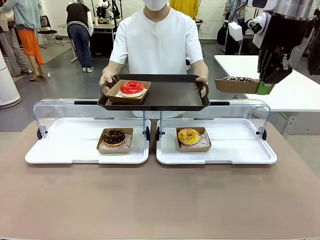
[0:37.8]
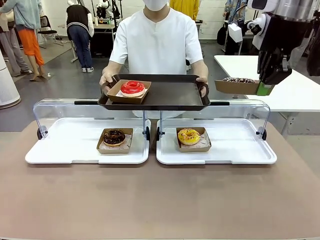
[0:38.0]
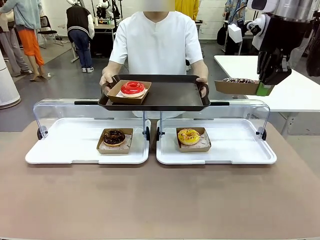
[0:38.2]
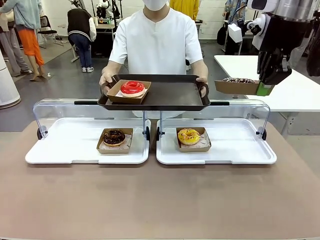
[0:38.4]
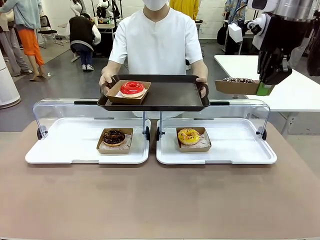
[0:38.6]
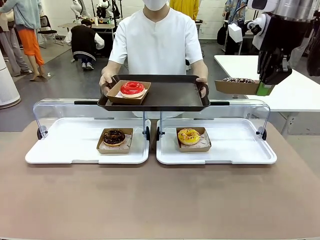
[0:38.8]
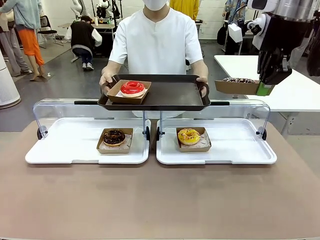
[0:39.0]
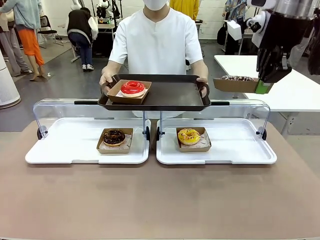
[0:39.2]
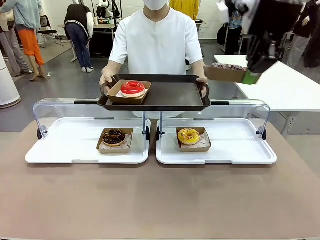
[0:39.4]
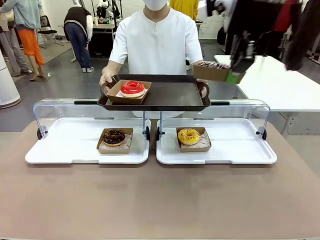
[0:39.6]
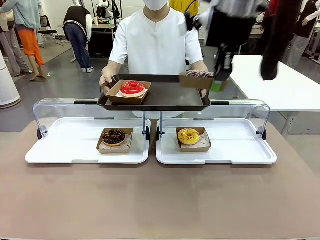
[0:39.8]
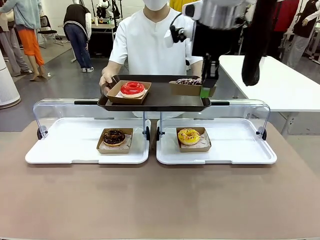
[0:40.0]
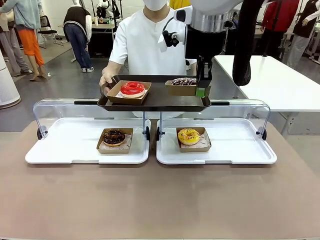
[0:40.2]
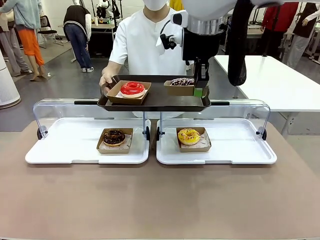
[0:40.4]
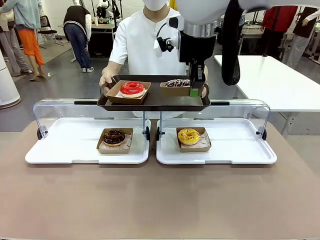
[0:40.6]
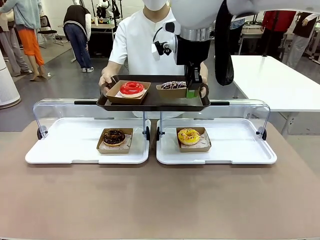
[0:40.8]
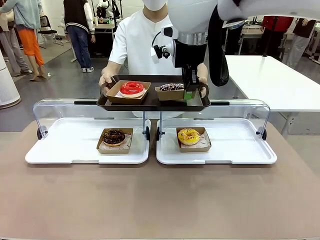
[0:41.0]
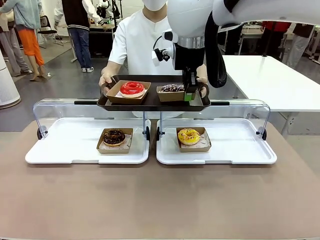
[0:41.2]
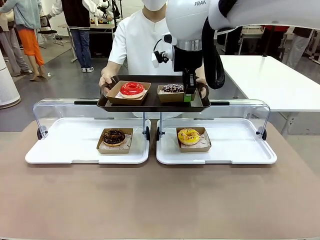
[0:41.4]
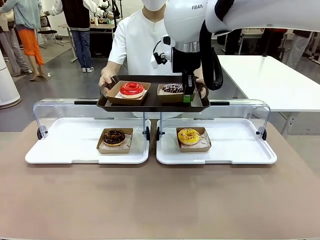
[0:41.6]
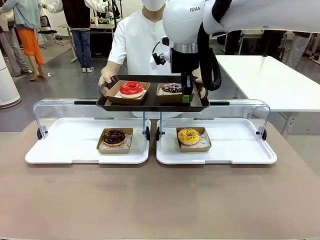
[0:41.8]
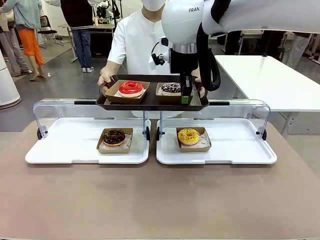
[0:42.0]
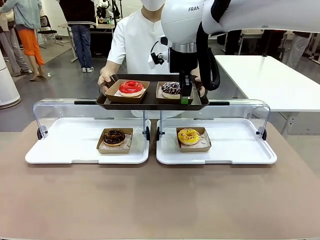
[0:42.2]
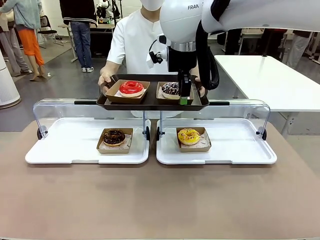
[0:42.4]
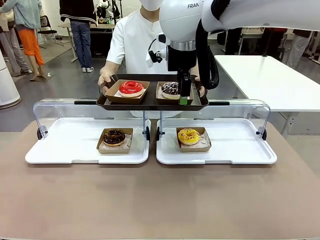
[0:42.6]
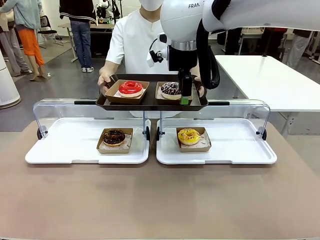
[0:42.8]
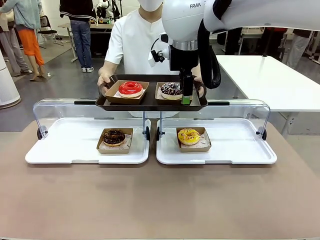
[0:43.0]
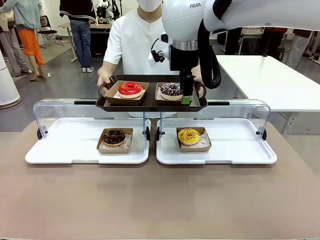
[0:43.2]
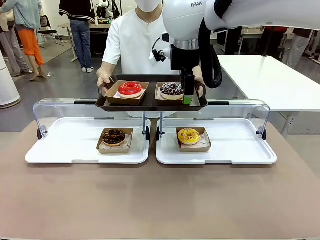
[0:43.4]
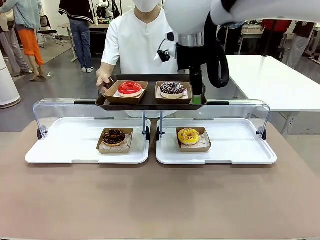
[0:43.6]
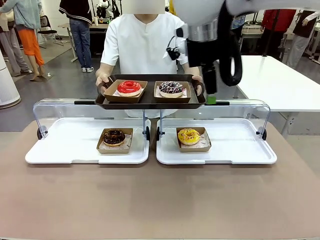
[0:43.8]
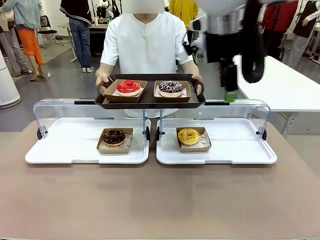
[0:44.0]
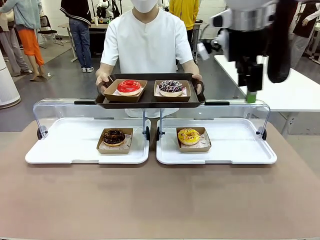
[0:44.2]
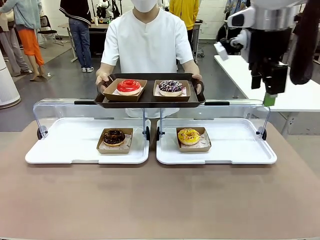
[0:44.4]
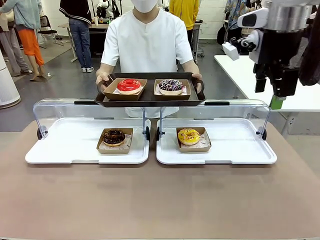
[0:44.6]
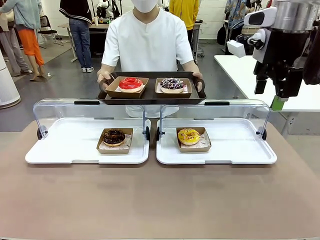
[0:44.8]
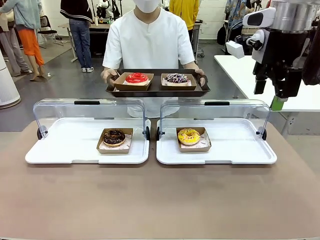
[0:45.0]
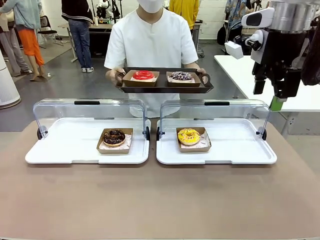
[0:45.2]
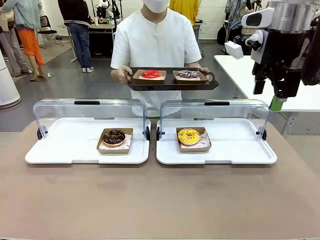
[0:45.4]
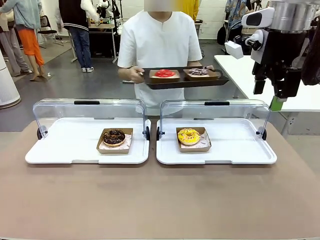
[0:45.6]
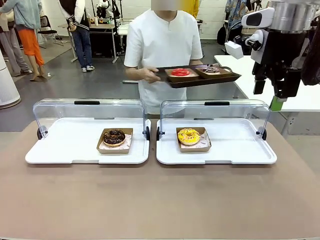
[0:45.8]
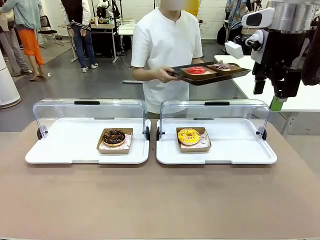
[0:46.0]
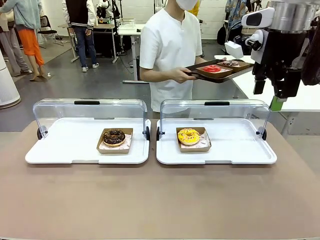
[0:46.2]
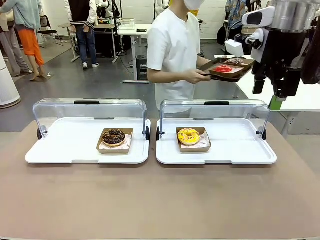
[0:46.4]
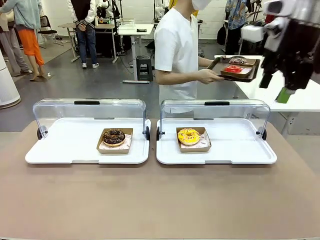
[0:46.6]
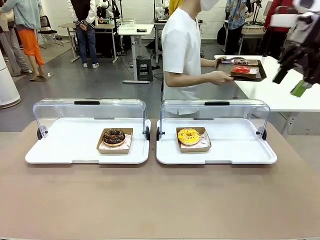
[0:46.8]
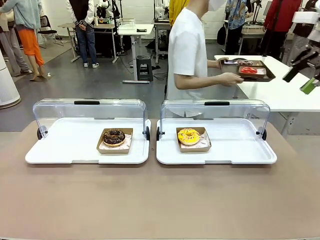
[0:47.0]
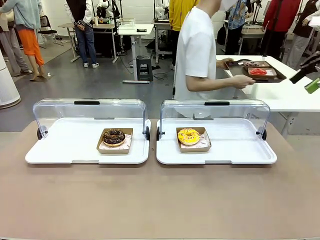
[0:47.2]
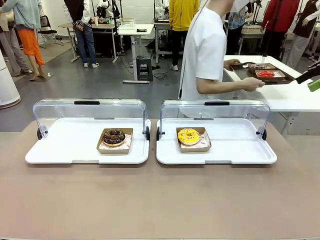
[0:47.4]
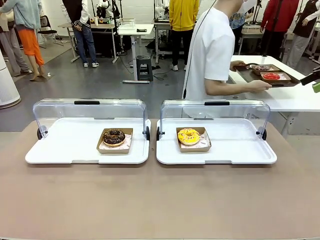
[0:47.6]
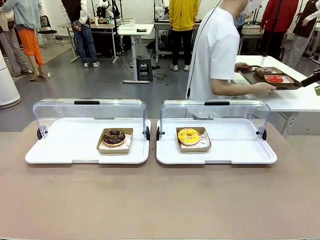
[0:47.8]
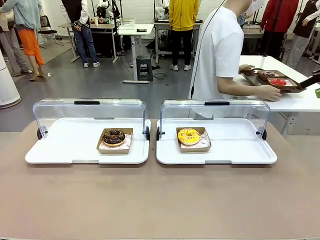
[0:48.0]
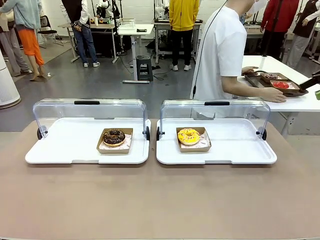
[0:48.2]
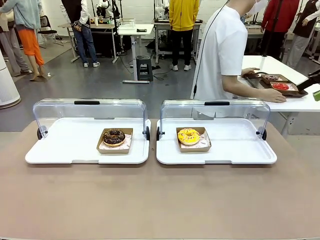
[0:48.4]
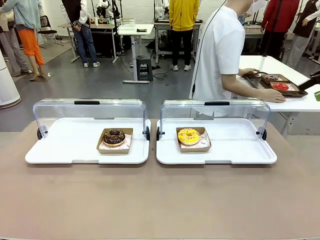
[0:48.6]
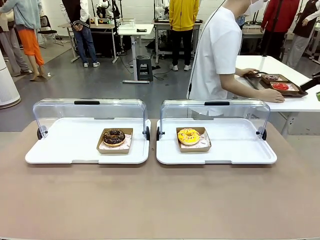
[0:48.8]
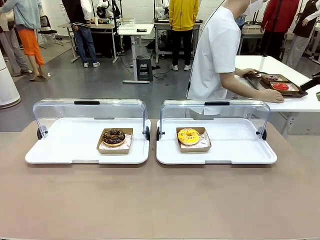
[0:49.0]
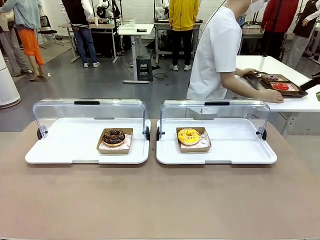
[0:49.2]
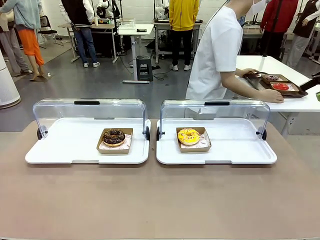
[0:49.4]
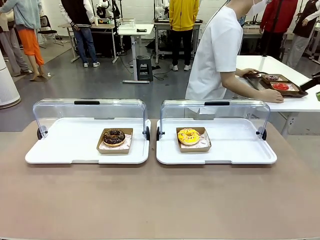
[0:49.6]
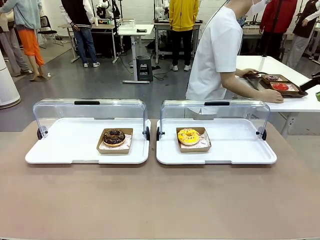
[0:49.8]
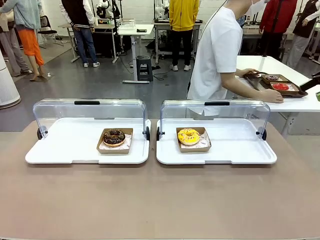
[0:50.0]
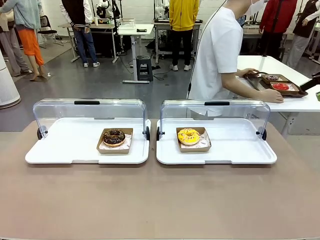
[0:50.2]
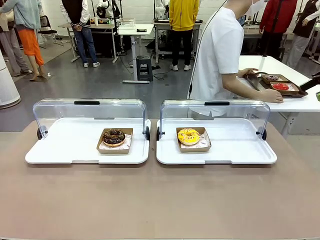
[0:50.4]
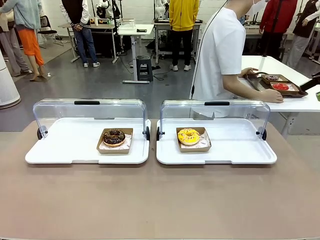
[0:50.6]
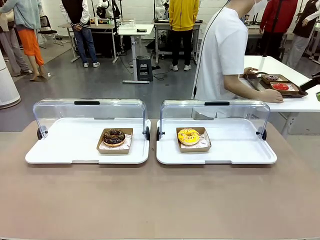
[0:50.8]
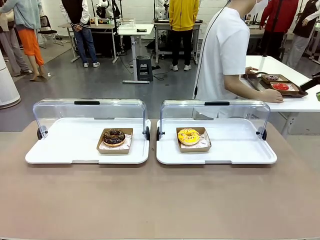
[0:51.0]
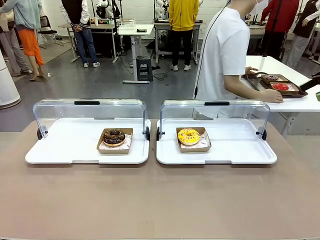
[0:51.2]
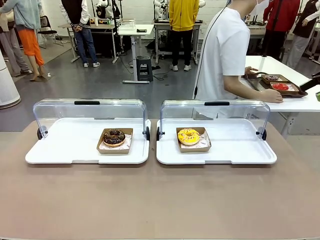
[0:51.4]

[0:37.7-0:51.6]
Task: Provide the desired donut to the person.
Robot: Place the picked Paper togo box onto the Handle tray extended by the person.
Person: Place the tray in the middle of the human table.

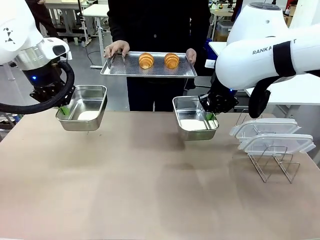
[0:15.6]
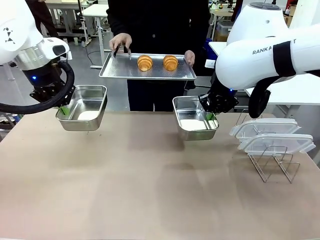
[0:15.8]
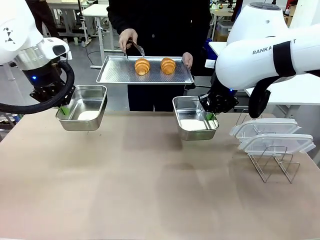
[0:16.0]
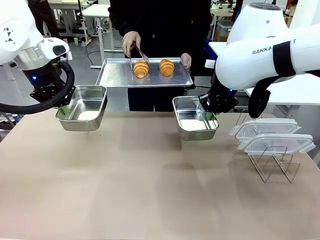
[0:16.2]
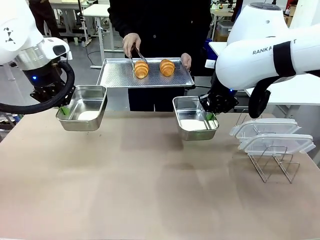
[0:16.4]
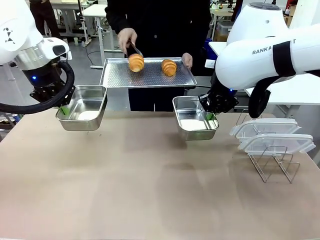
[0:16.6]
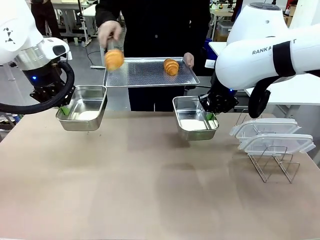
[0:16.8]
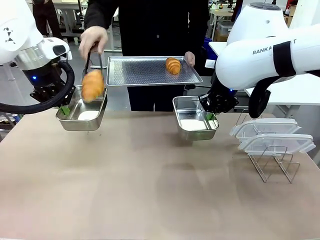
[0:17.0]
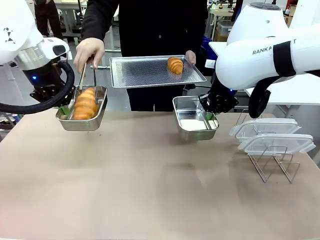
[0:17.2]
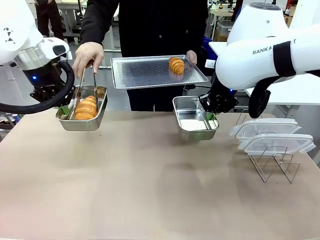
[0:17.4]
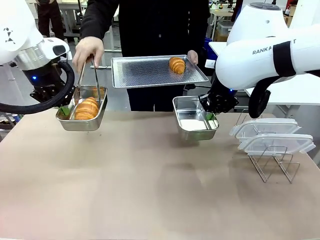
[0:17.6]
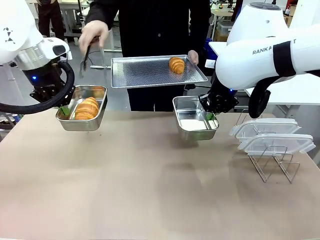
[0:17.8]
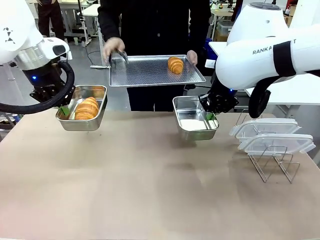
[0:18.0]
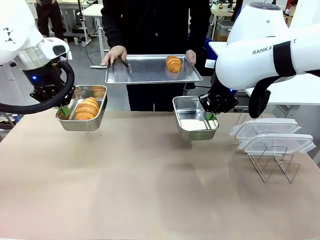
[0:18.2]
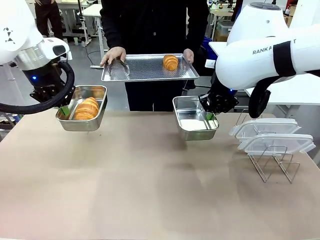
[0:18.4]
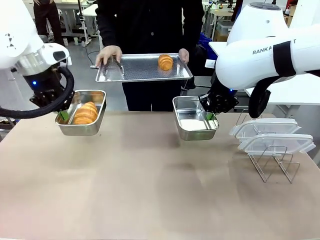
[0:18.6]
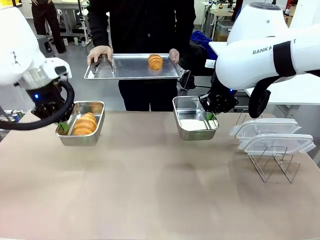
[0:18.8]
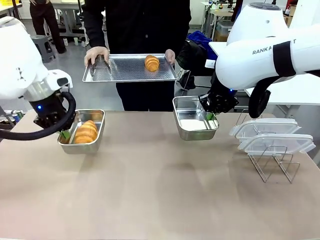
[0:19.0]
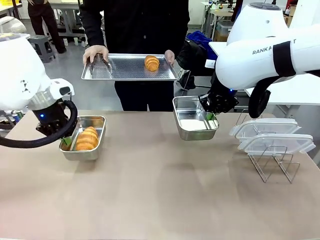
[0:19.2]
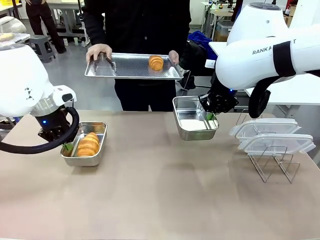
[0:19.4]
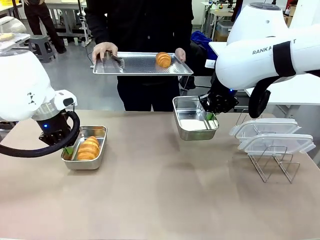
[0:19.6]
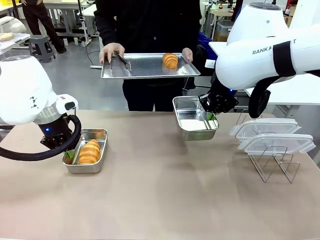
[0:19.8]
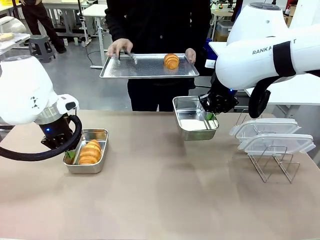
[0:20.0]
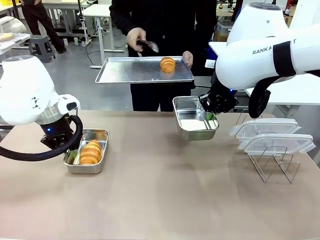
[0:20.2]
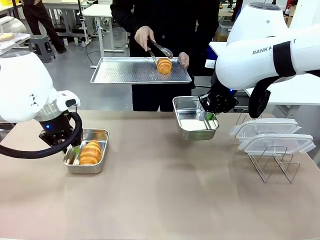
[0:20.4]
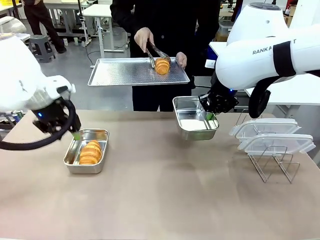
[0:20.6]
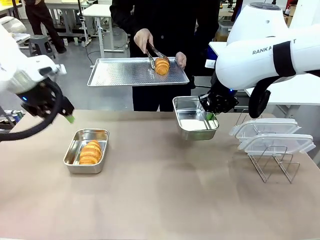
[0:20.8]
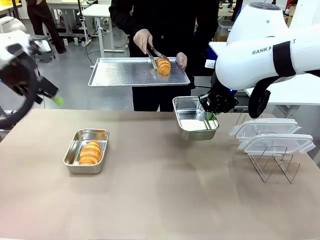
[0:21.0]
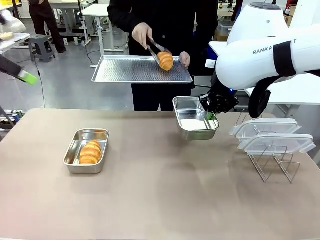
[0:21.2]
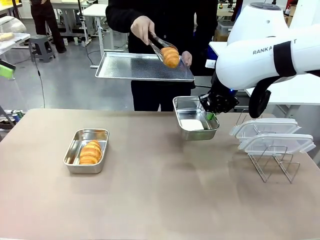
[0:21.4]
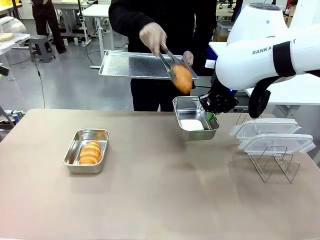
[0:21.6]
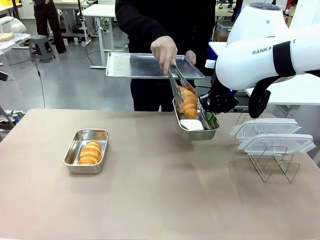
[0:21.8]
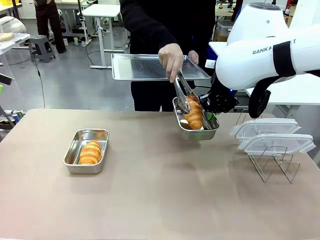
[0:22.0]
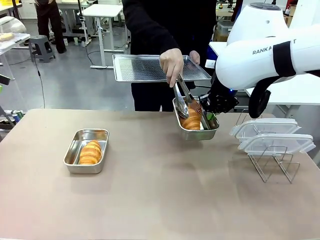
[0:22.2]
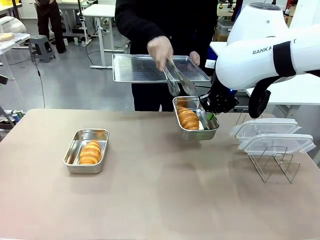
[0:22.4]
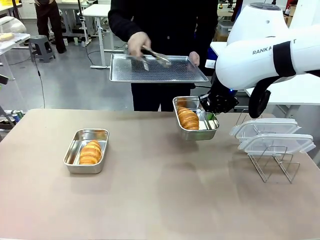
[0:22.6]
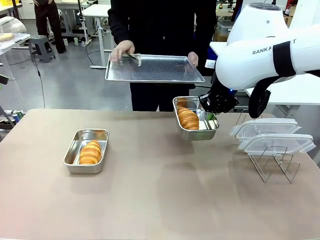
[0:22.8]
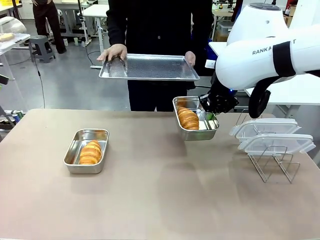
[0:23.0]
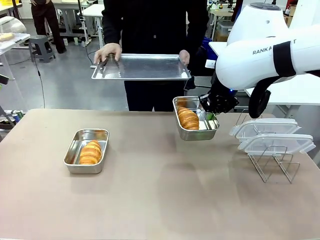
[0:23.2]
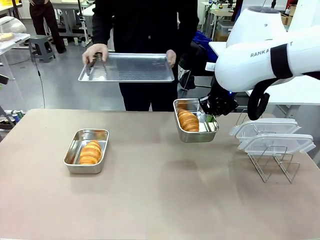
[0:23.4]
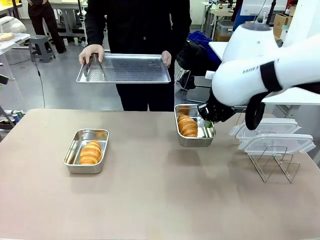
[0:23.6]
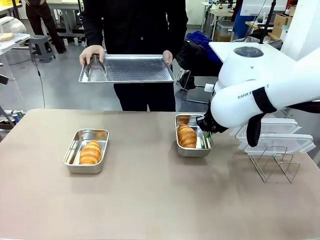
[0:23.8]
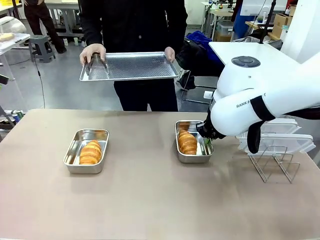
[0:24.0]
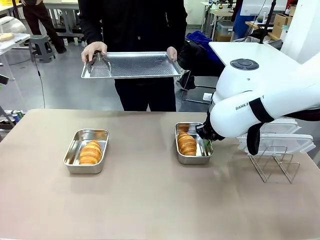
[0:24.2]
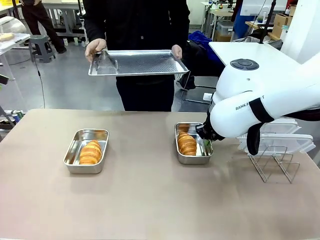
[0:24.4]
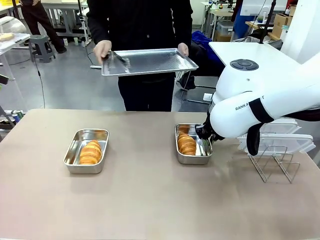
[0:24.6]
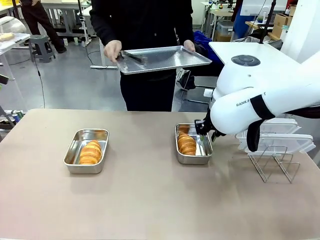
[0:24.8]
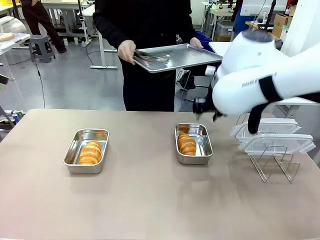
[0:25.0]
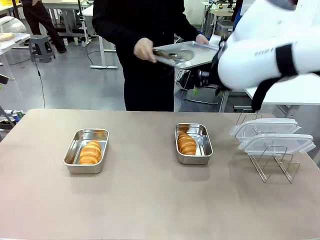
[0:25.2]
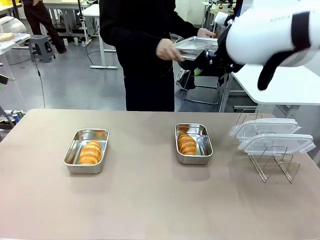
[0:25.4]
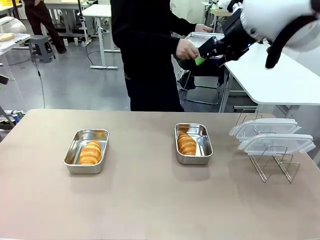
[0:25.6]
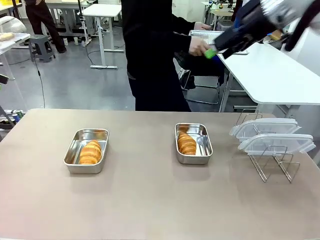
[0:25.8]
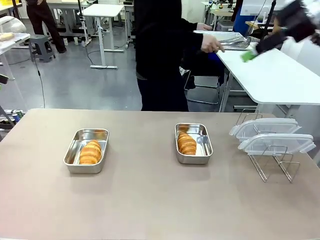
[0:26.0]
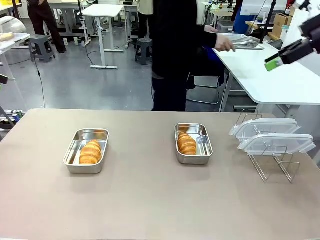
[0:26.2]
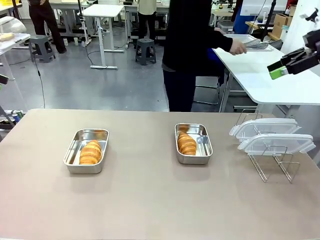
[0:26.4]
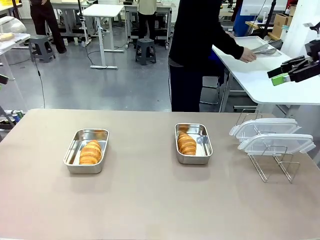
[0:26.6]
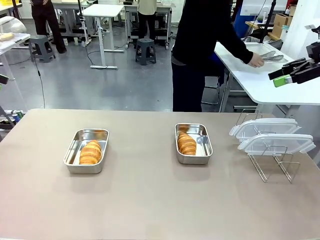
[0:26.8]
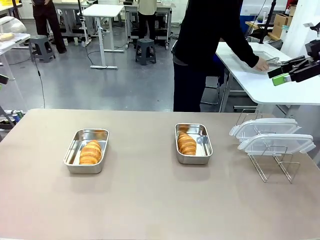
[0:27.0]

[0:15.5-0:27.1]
Task: Place the bread in airtight containers.
Robot: Once an object is inside an Airtight Container , place the container in the center of the table.
Person: Use the Stainless steel tongs to place one object from Baking Sheet into one Airtight Container. Place Baking Sheet on the Human's Table.
